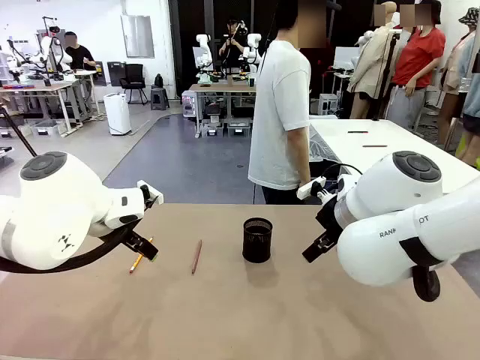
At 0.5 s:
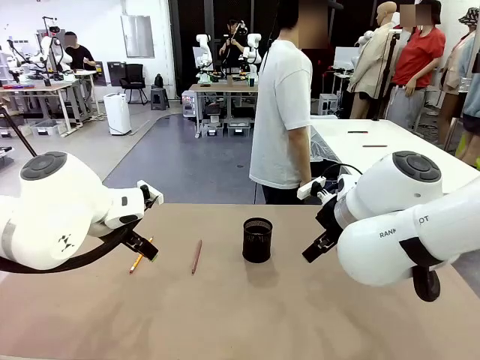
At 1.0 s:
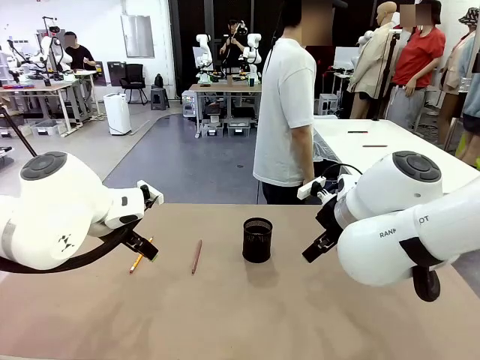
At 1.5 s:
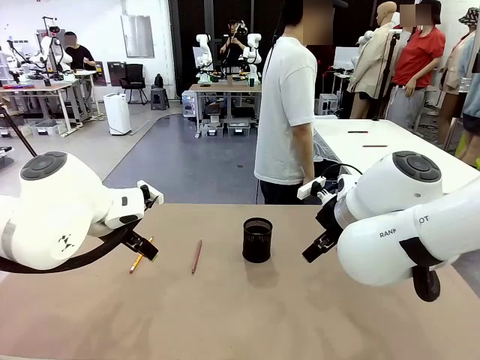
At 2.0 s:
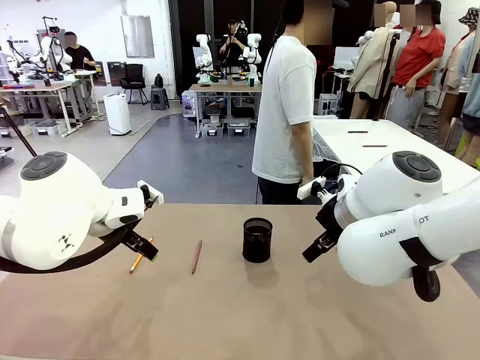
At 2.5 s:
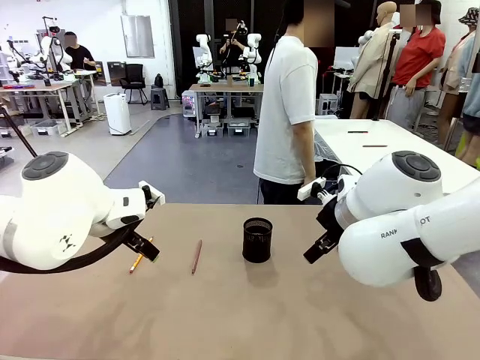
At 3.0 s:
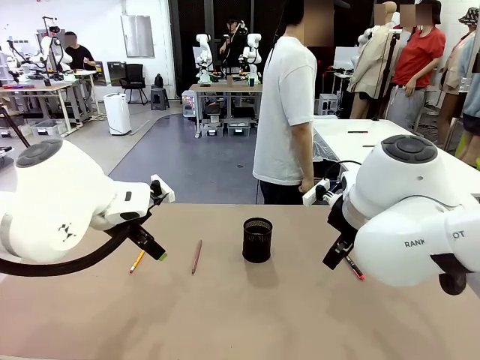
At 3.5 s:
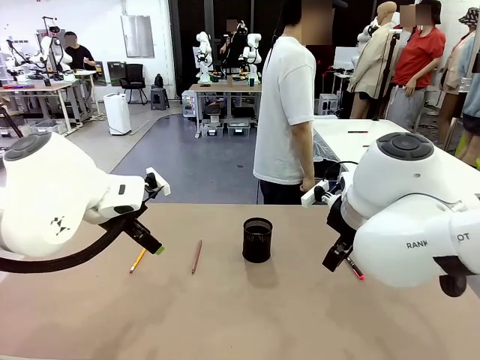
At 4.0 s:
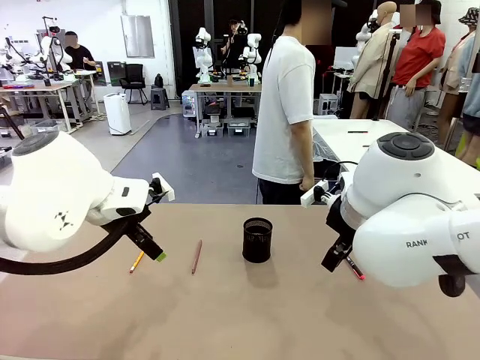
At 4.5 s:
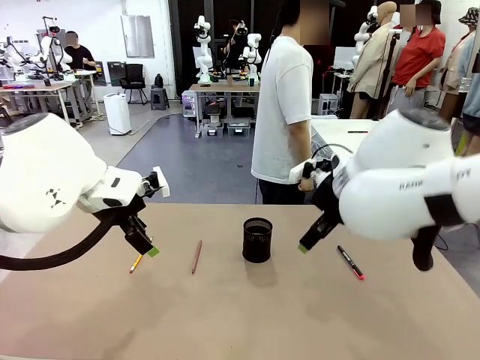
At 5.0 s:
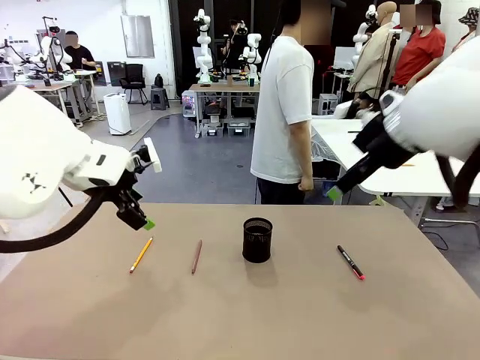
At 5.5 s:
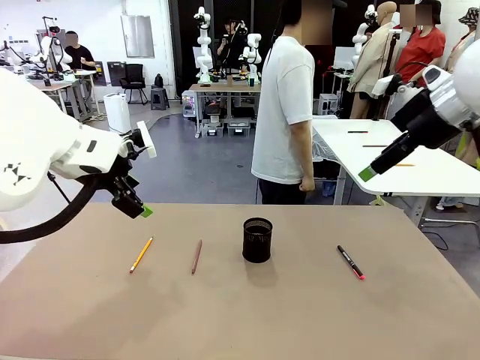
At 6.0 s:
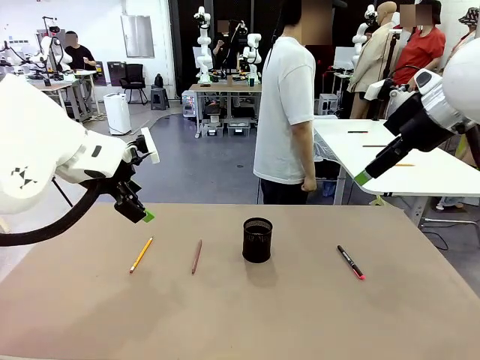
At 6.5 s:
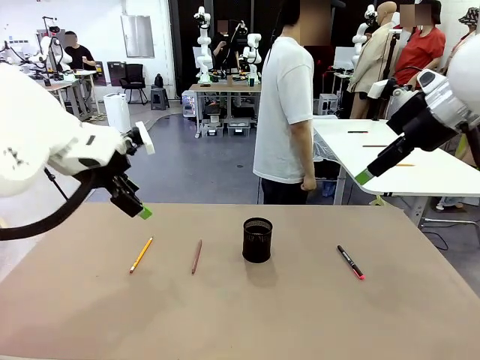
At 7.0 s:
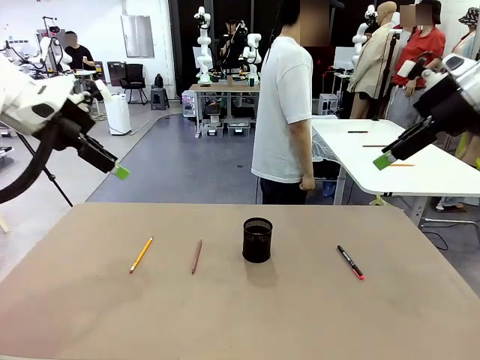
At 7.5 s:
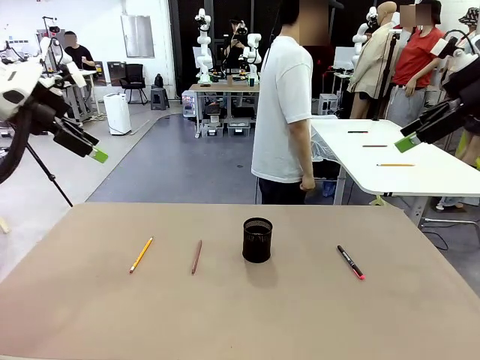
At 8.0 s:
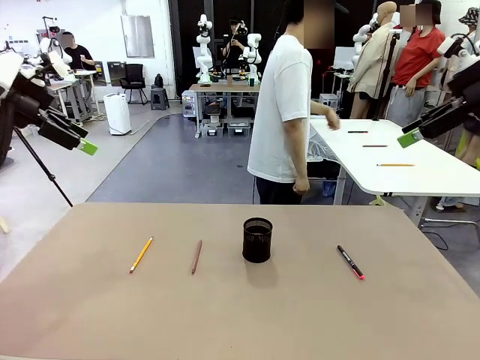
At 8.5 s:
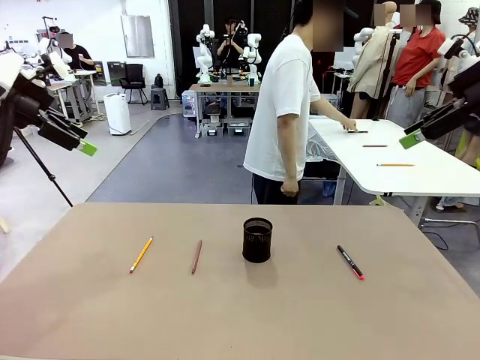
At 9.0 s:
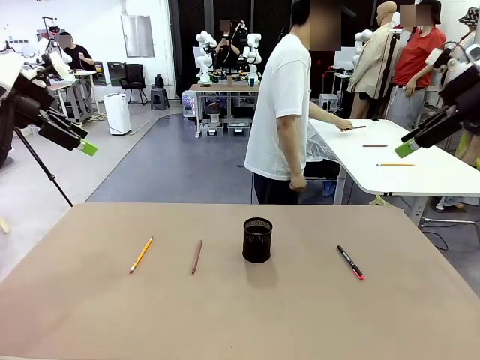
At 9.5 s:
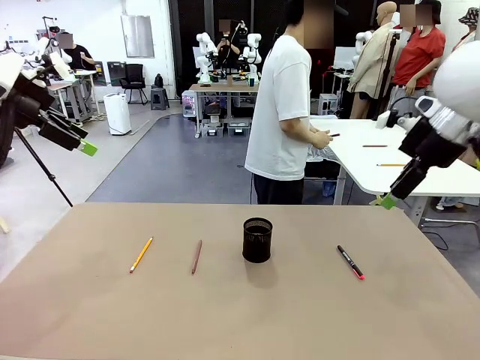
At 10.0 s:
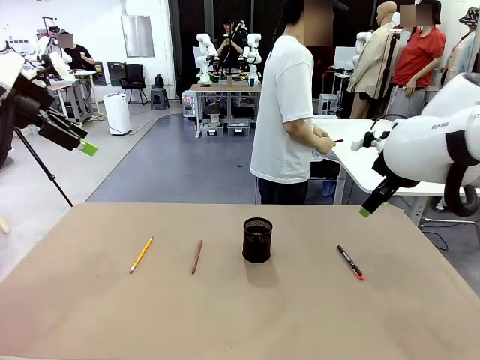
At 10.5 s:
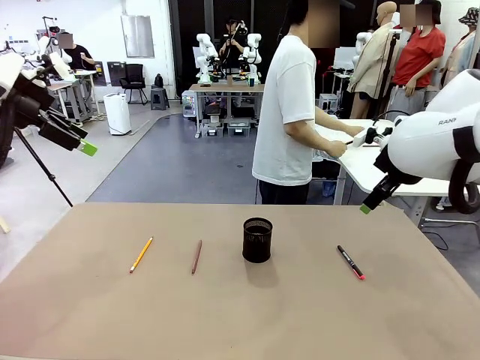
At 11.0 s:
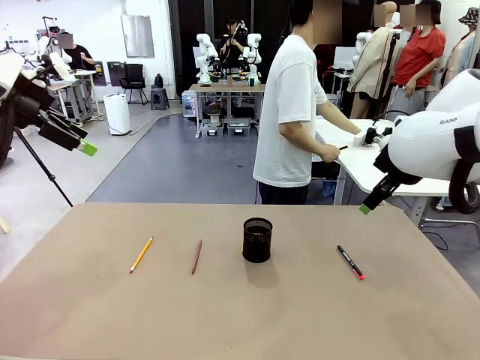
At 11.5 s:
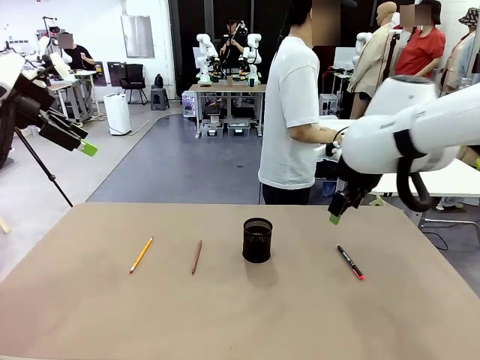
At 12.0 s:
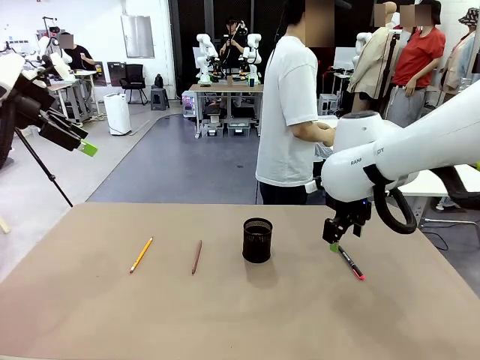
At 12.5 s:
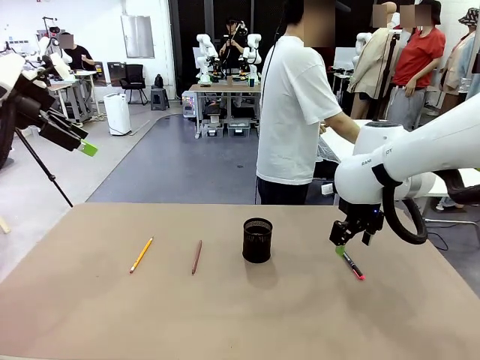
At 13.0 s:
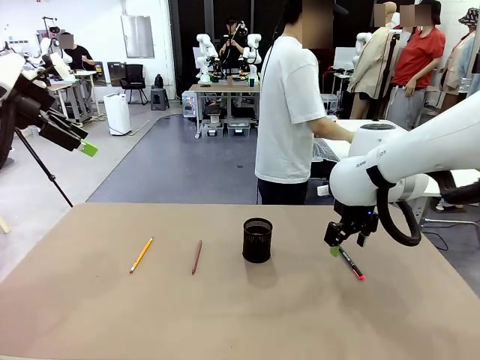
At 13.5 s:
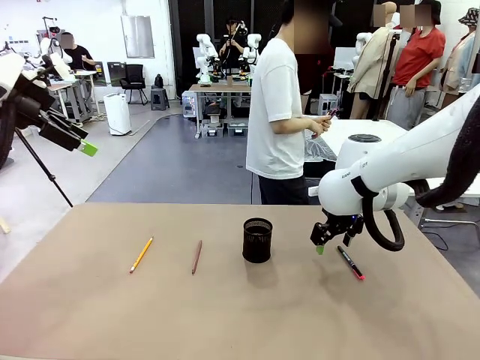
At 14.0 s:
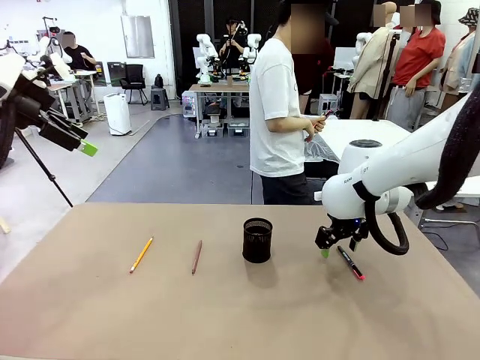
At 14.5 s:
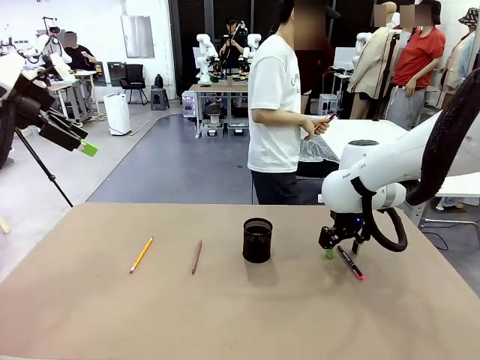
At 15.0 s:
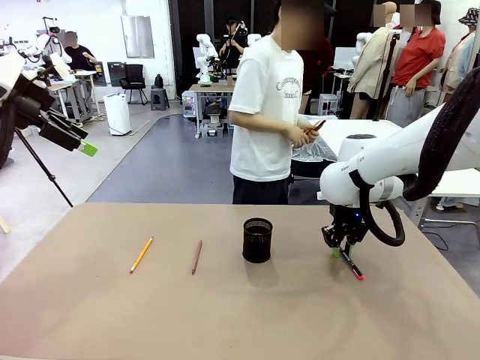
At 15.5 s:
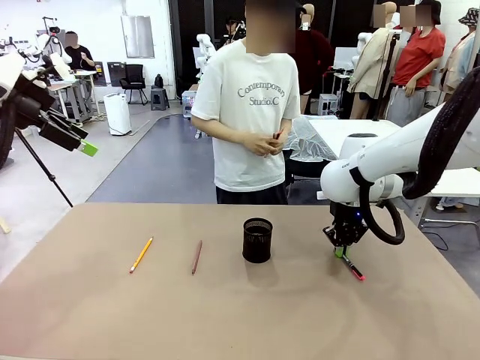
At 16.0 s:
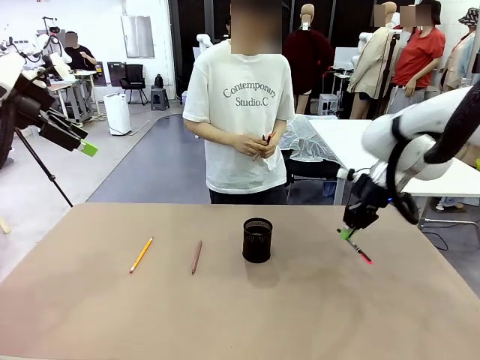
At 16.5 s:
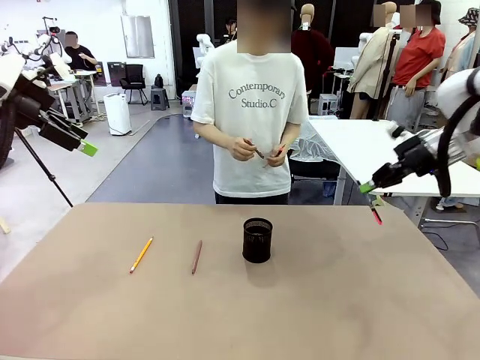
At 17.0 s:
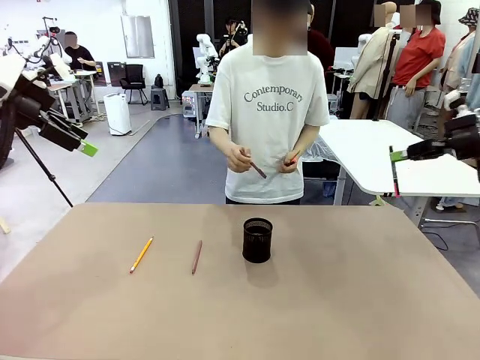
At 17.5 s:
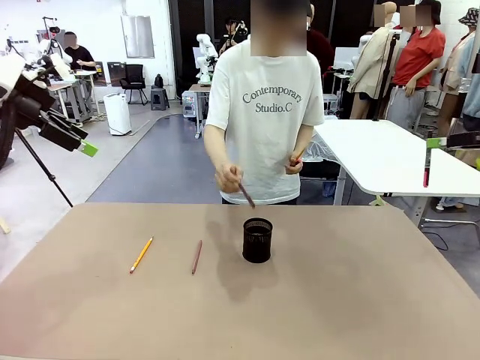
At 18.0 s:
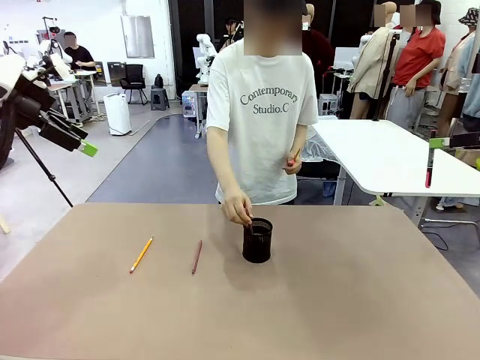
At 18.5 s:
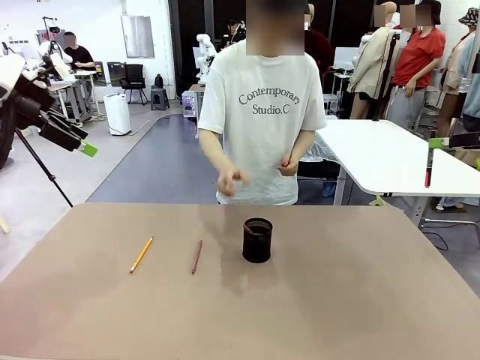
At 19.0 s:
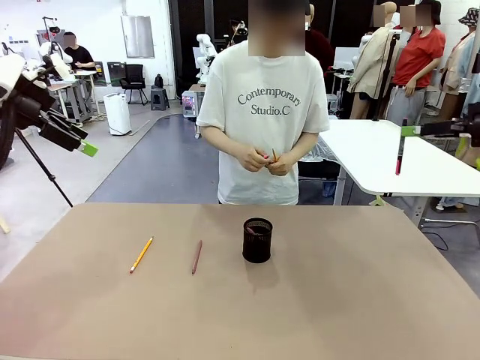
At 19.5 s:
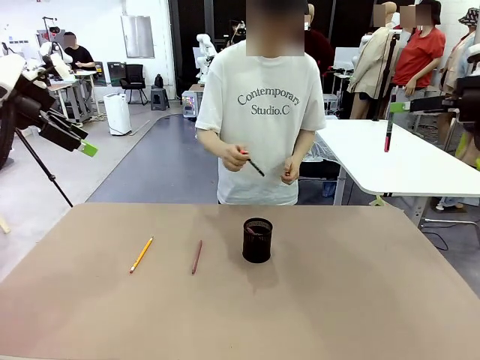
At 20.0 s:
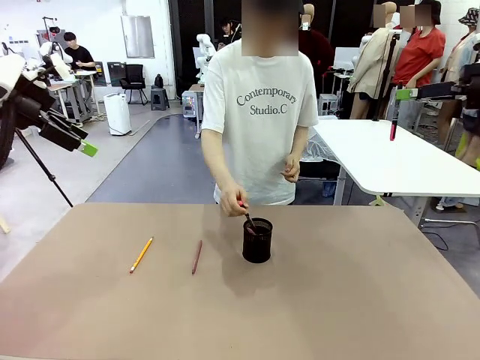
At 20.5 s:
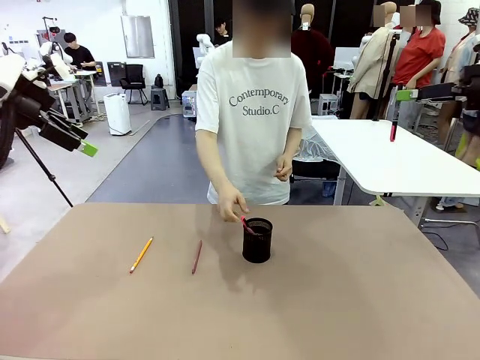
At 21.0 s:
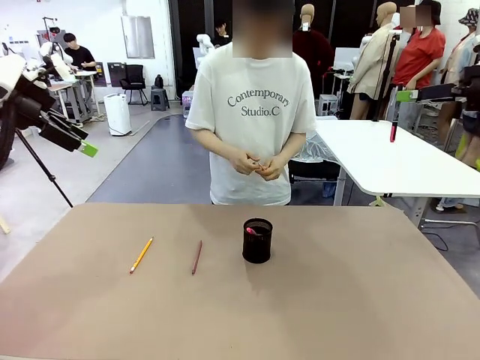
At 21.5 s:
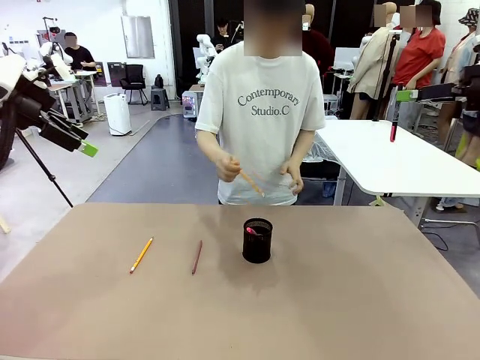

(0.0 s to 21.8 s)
Task: Place the pens into the pen holder.
Robot: Pick up a writing instrument from the table and place it into the Pen holder.
Person: Pick up all writing instruments from the Human table.
